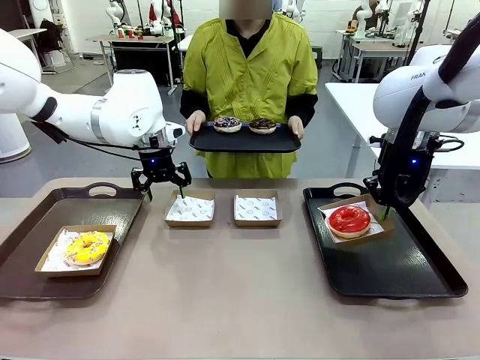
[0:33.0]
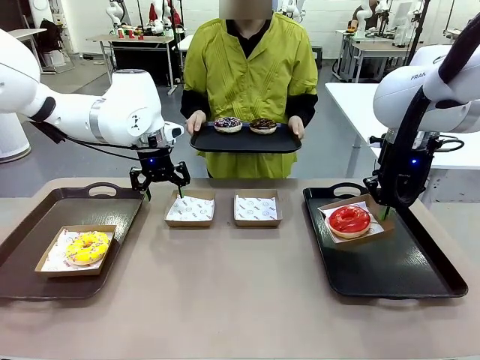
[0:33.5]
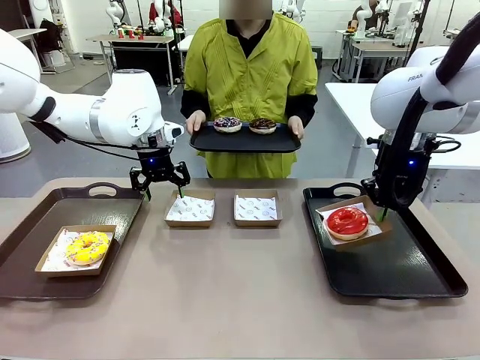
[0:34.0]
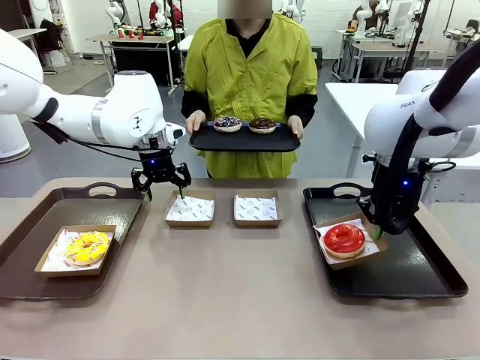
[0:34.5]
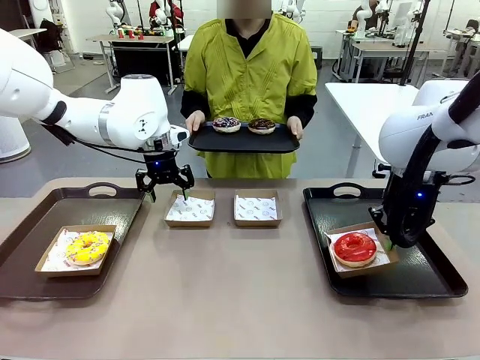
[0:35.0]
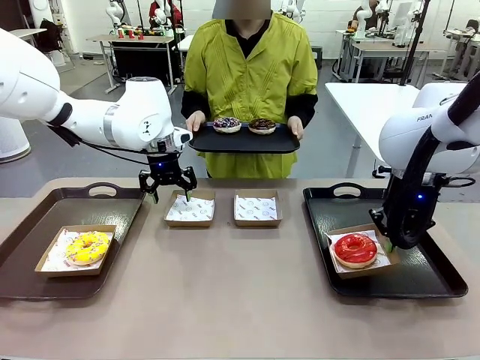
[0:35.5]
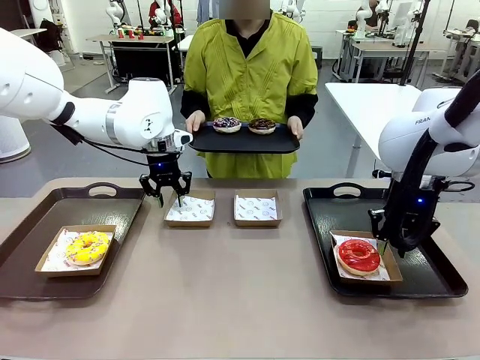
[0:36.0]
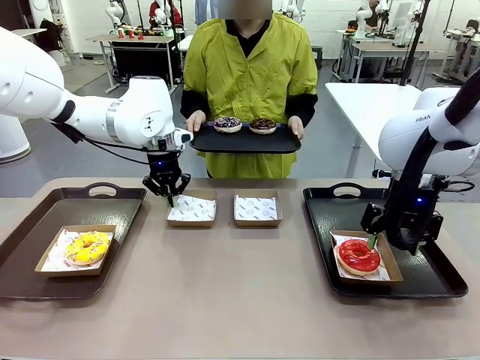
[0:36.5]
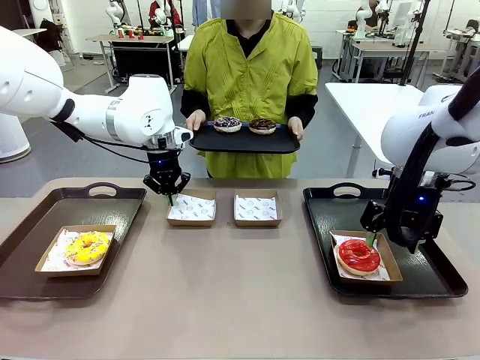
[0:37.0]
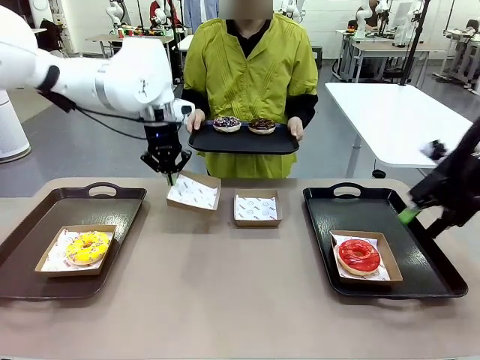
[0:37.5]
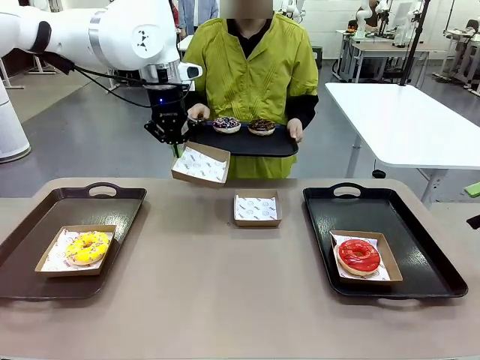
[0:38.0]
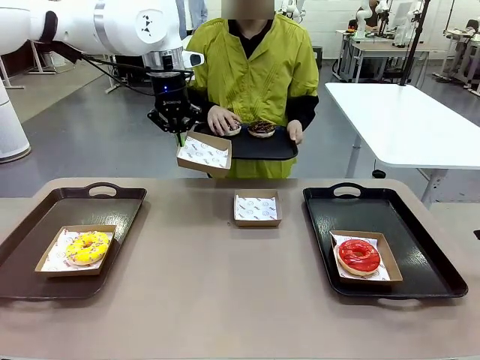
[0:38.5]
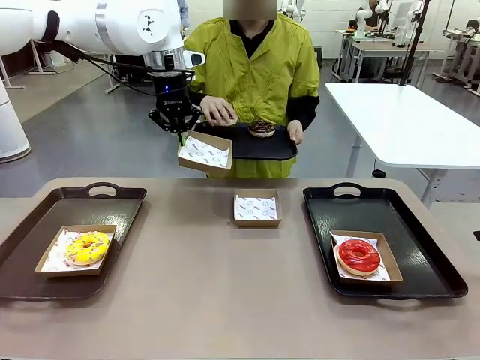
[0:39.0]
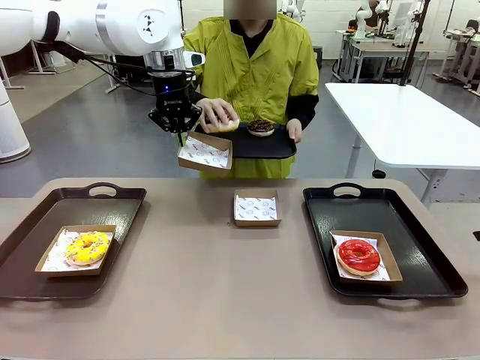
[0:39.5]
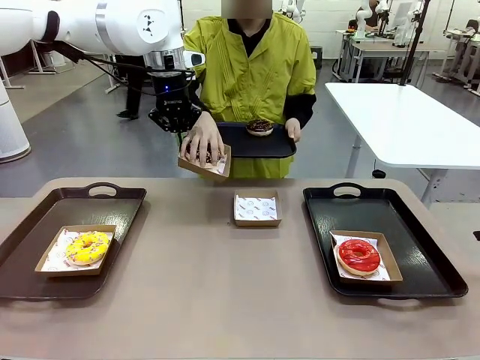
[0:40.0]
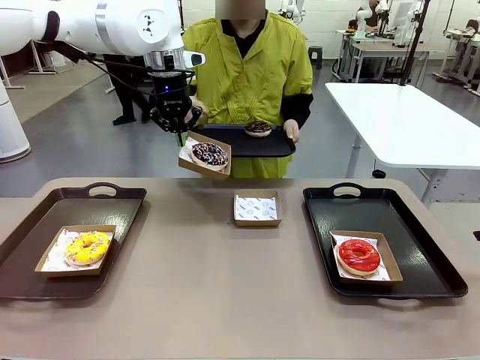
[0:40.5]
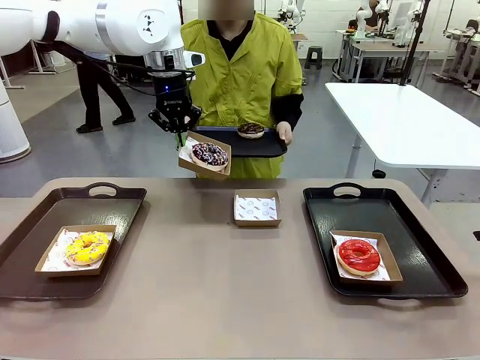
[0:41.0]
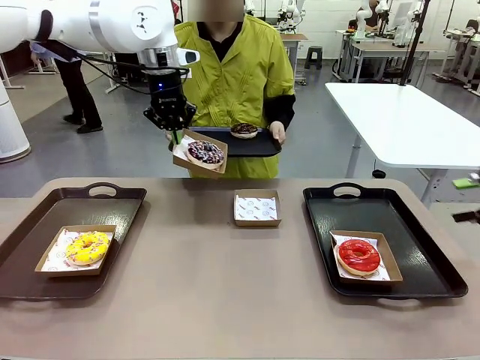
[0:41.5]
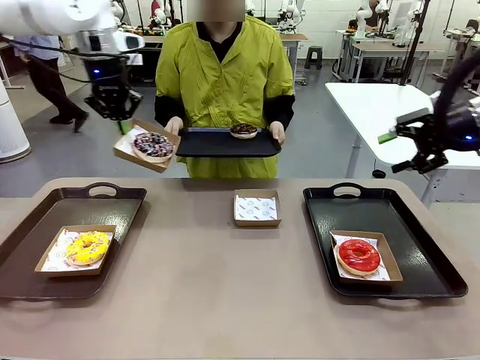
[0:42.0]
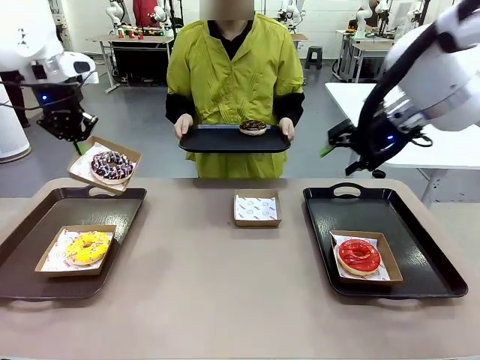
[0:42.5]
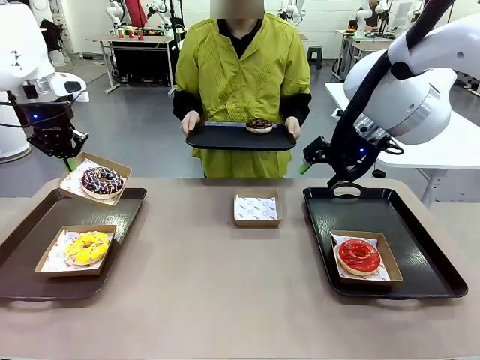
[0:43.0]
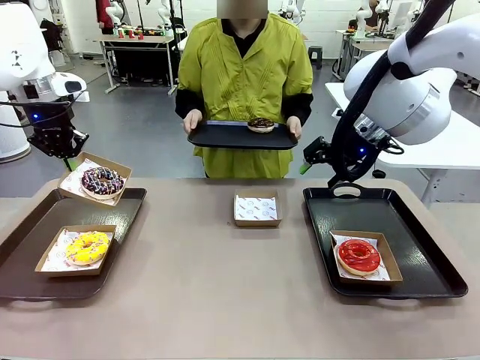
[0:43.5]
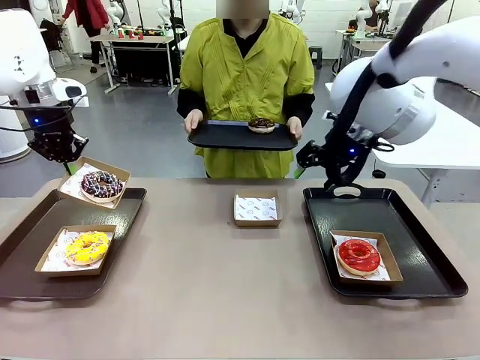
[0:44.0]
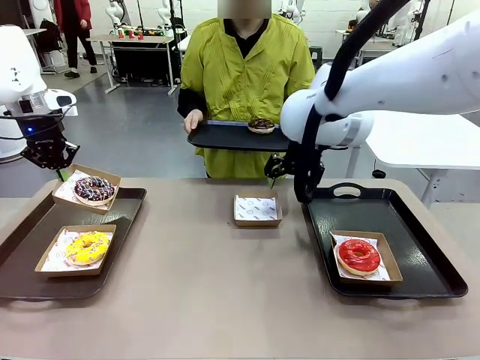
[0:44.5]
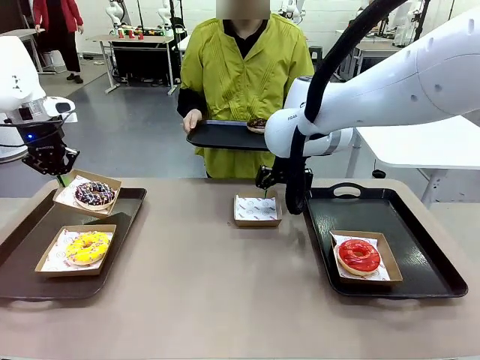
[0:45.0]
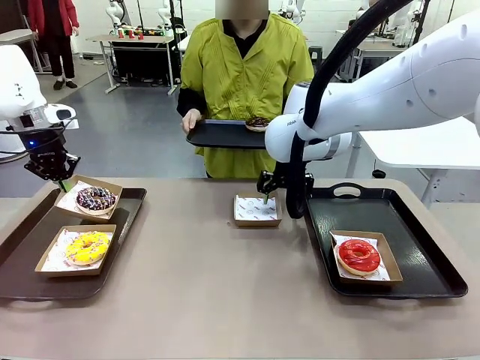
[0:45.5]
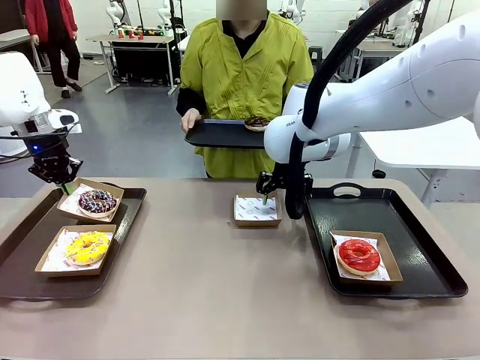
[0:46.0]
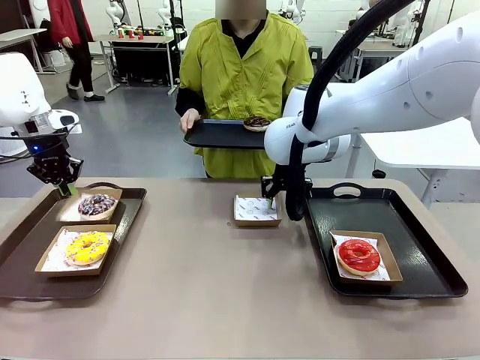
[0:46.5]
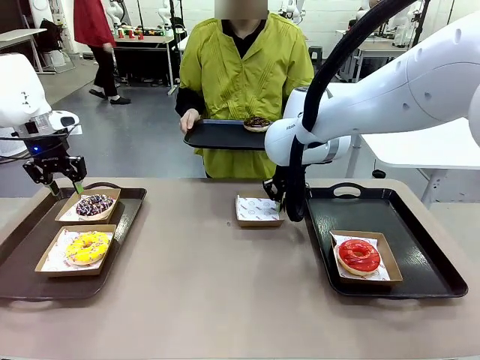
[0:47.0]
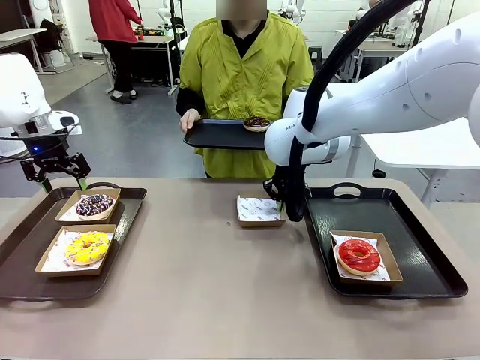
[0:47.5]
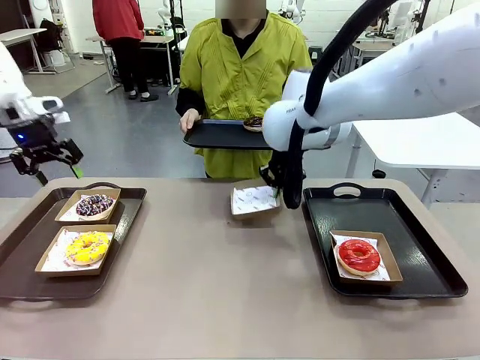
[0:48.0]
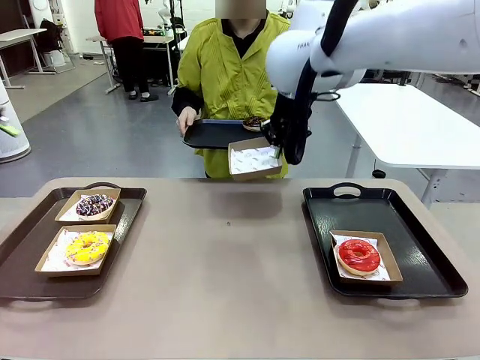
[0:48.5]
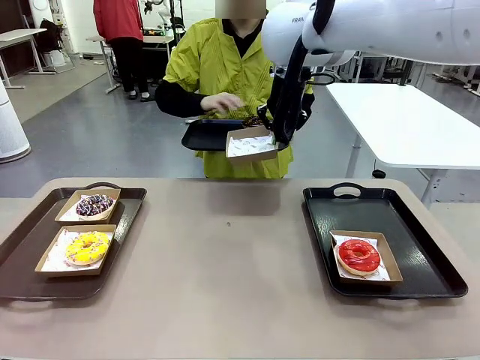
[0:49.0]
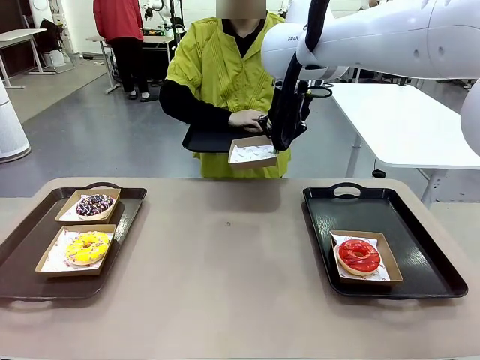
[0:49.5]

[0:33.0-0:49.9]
Task: Individually package the donuts and arrange them on the tray.
Robot: Place the picked Paper togo box on the Handle tray while simultaneously picking up another Paper togo box from the table with the other hand.

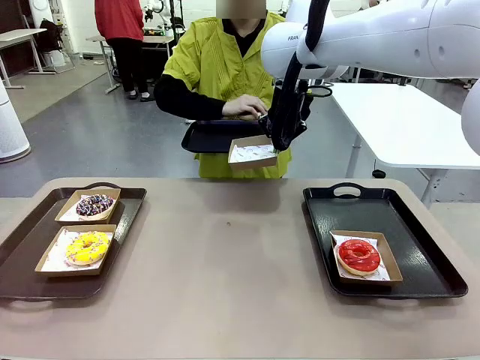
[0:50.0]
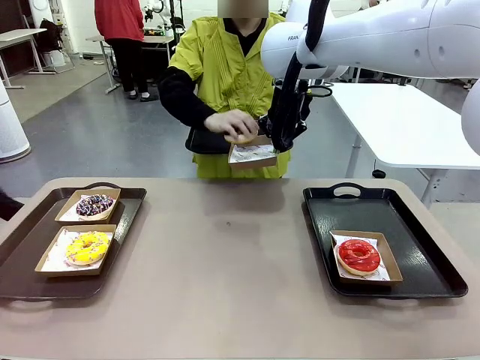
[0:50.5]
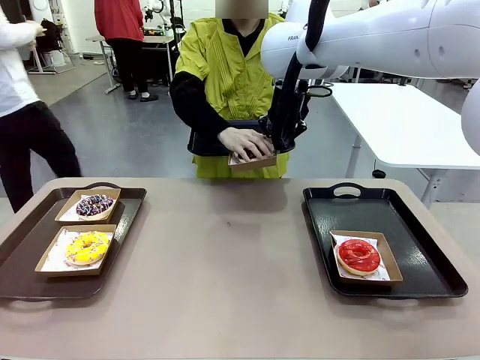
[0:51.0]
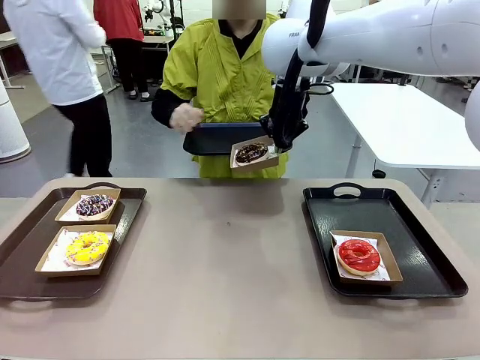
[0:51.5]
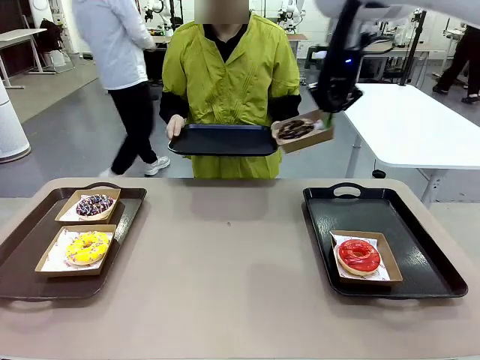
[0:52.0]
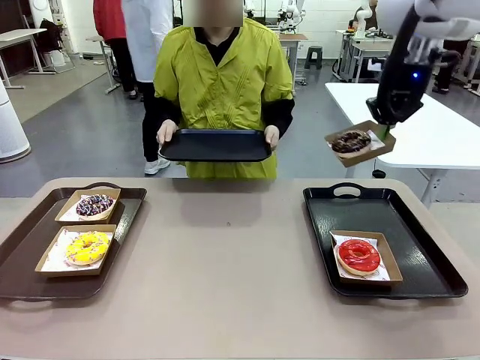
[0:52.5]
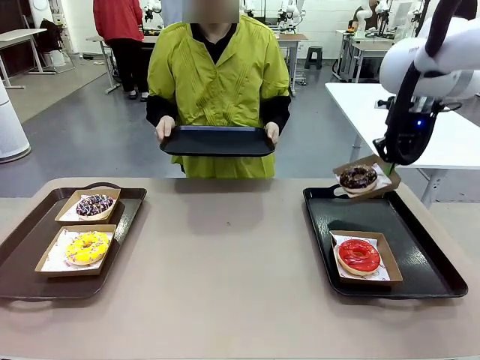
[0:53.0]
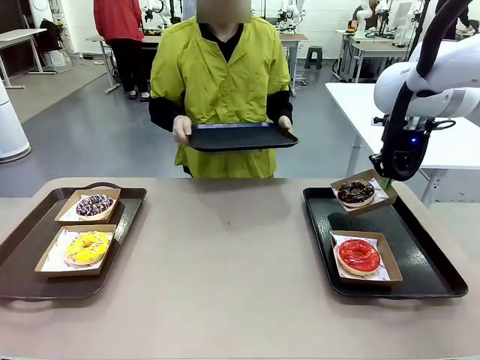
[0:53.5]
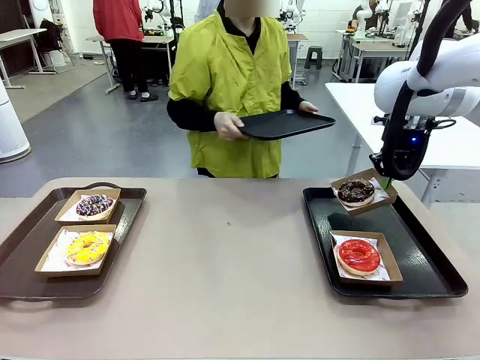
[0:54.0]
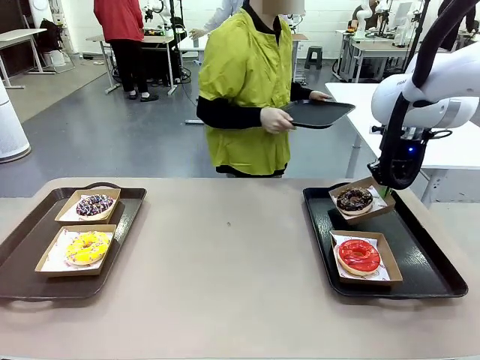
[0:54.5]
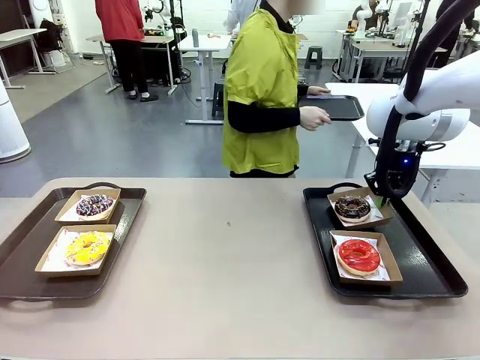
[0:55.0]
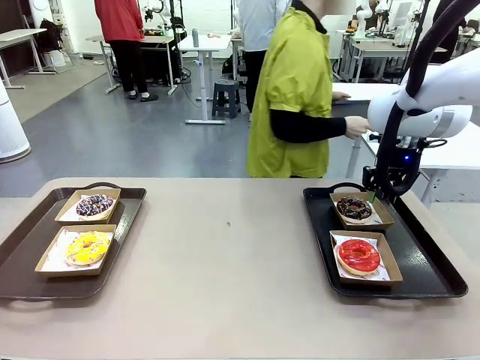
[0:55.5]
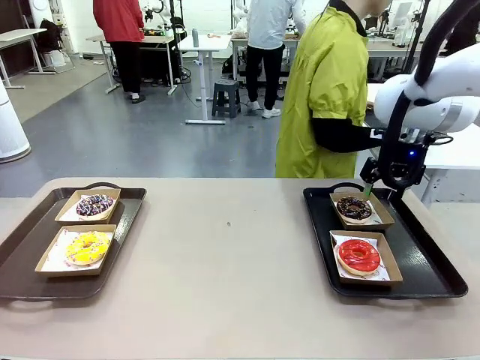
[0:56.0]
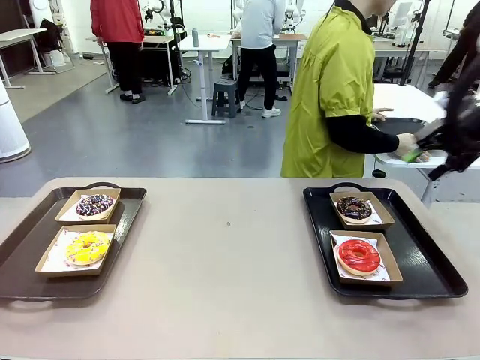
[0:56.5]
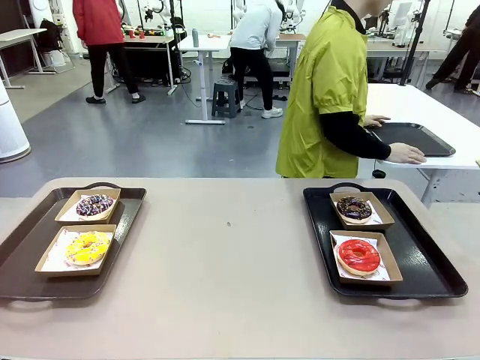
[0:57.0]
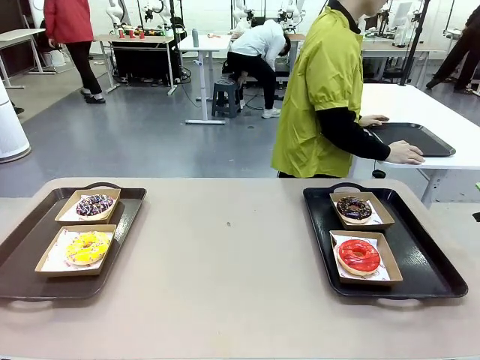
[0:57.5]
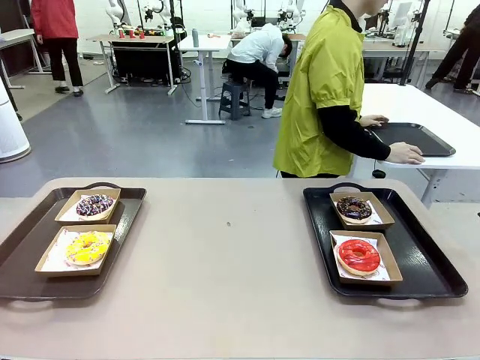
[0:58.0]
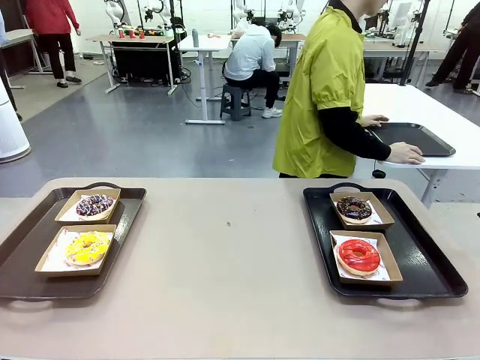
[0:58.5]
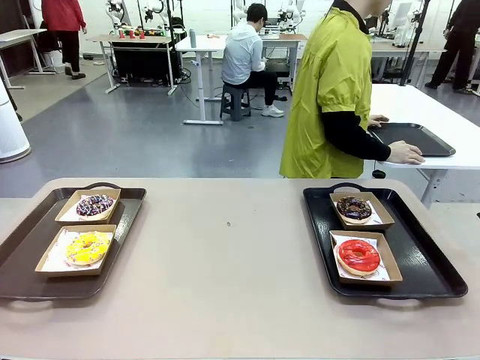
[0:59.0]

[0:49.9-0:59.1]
Robot: Place the picked Paper togo box on the Handle tray.
Person: Place the tray down in the middle of the human table.
